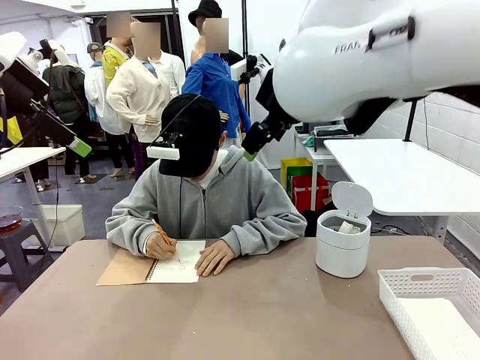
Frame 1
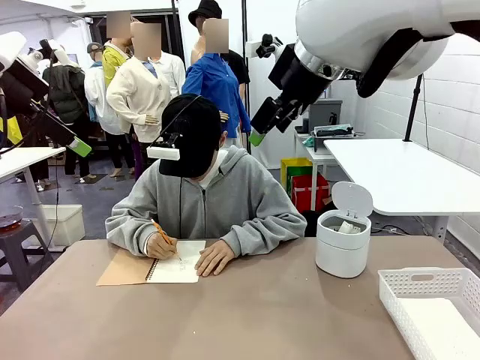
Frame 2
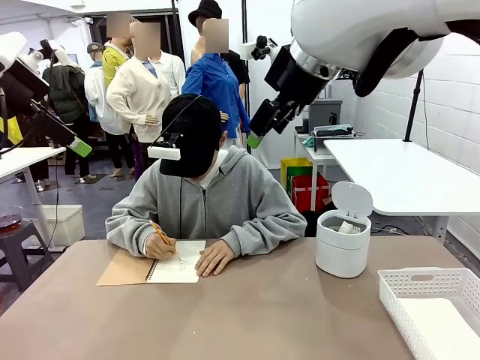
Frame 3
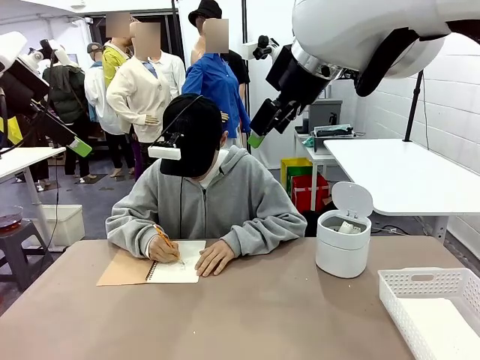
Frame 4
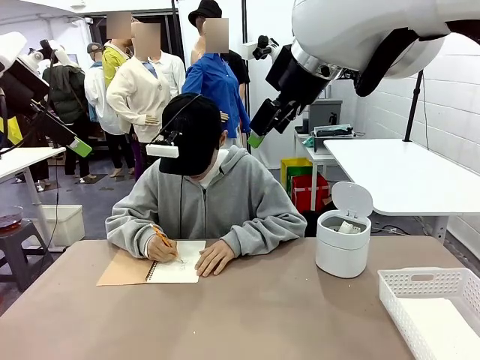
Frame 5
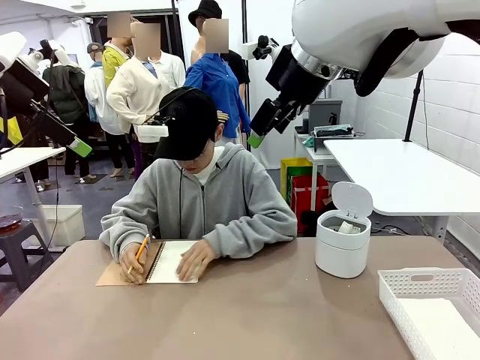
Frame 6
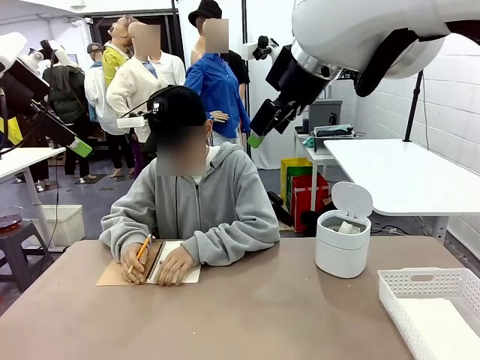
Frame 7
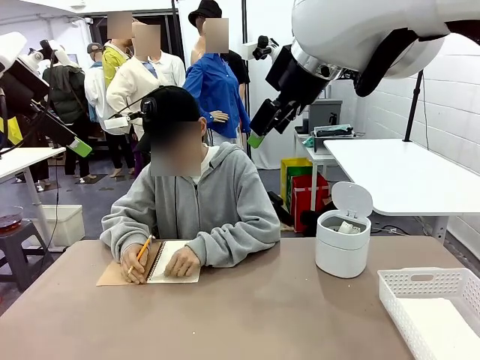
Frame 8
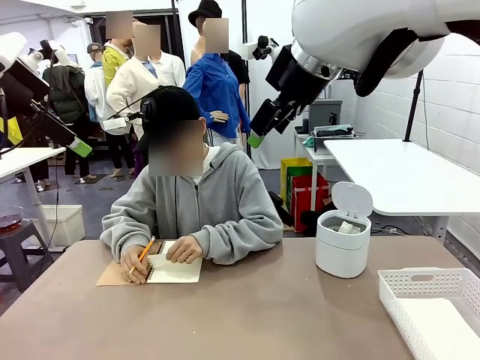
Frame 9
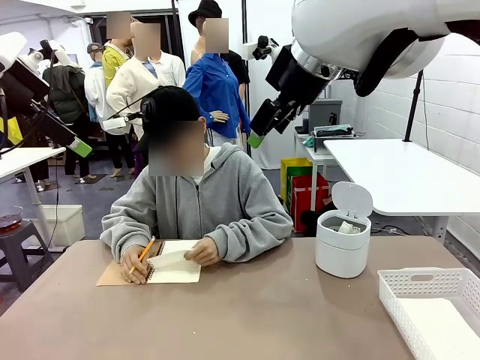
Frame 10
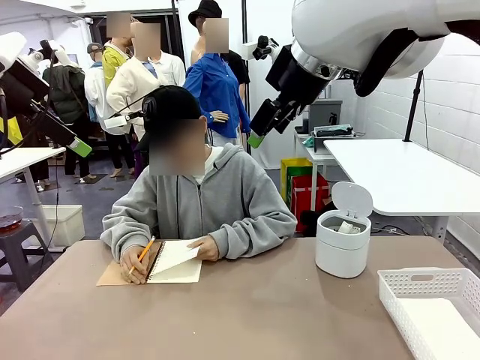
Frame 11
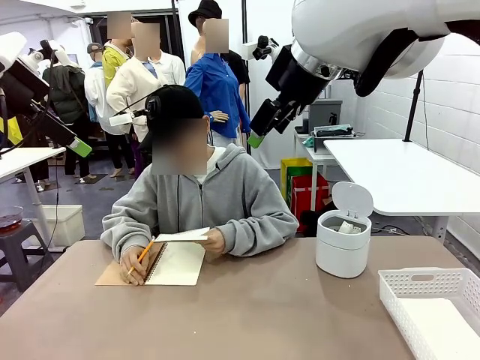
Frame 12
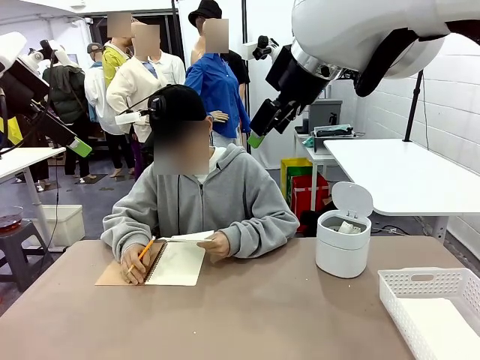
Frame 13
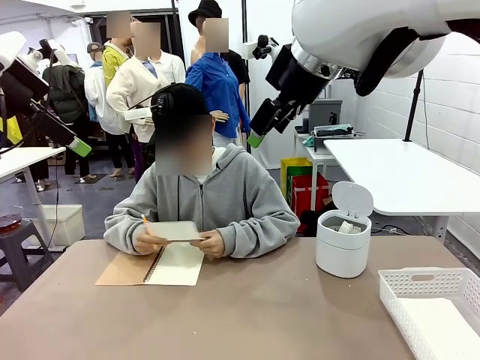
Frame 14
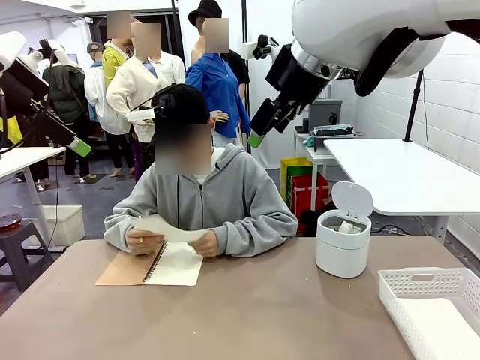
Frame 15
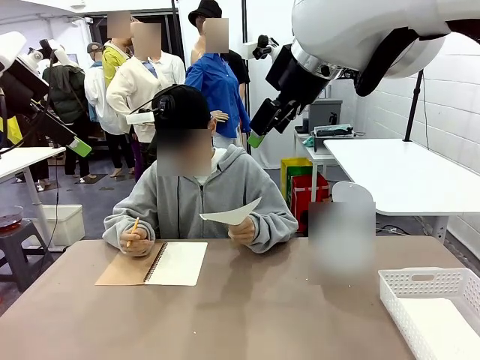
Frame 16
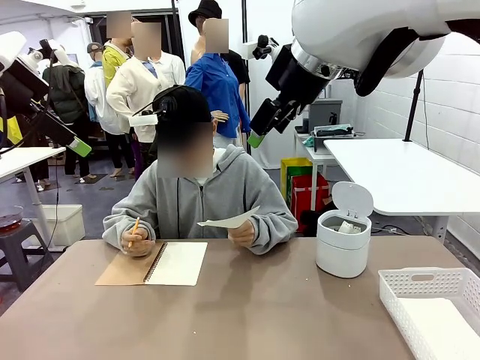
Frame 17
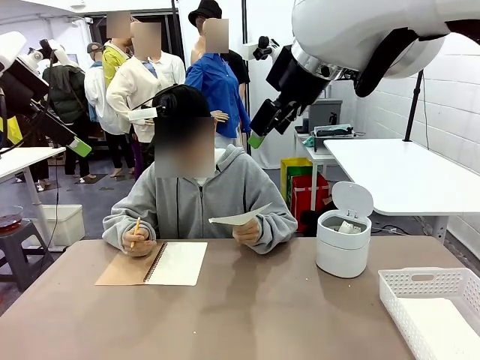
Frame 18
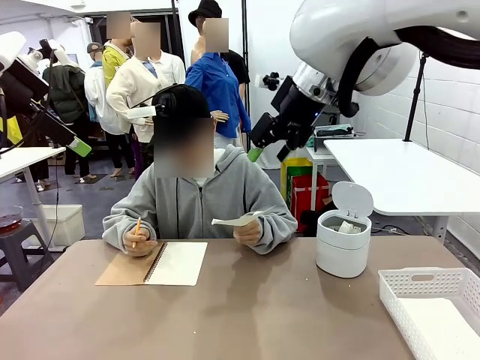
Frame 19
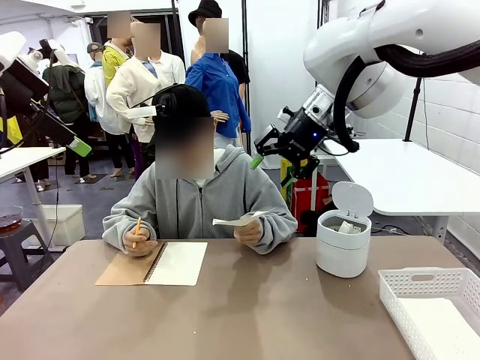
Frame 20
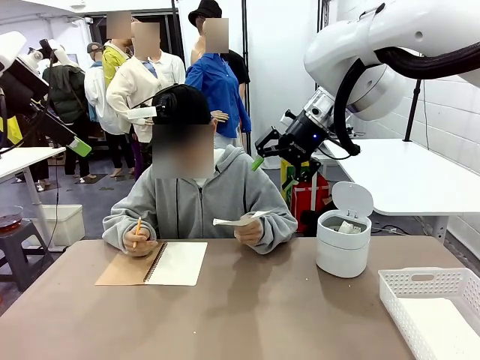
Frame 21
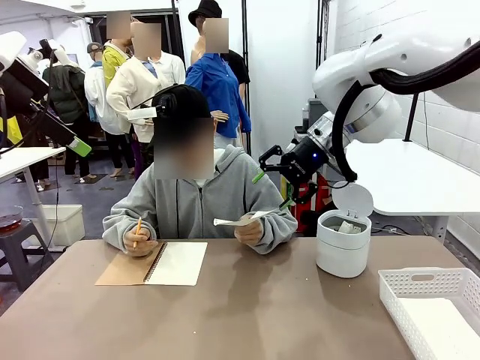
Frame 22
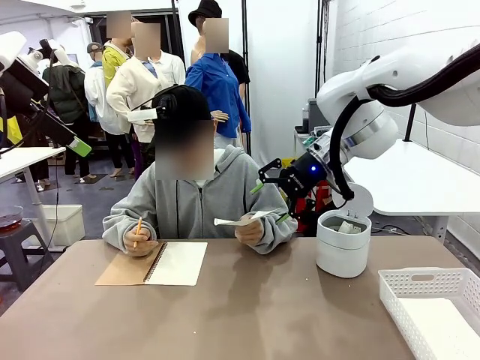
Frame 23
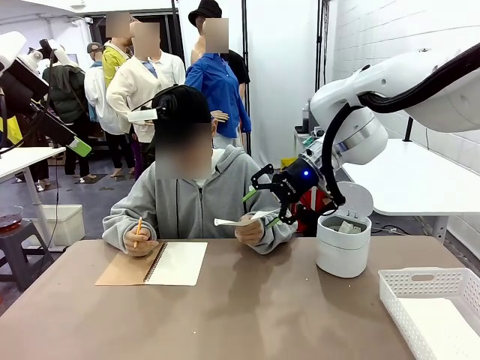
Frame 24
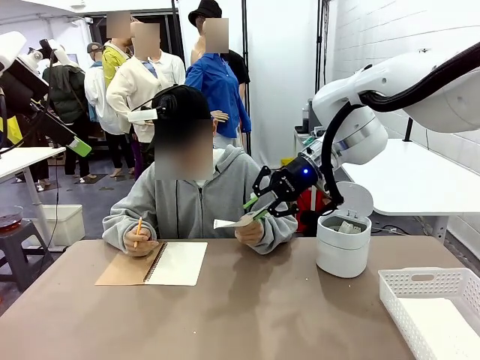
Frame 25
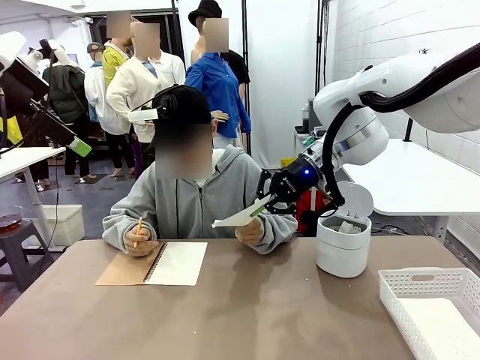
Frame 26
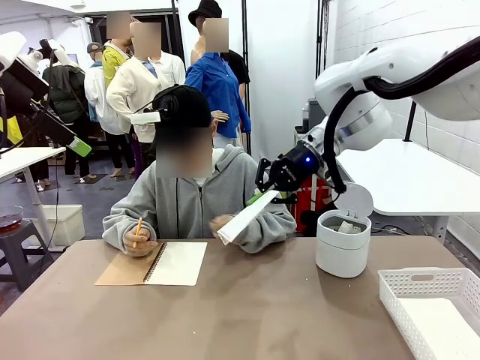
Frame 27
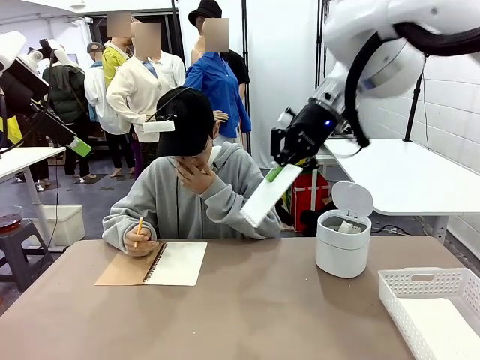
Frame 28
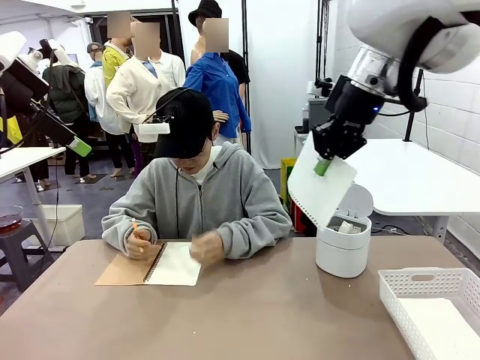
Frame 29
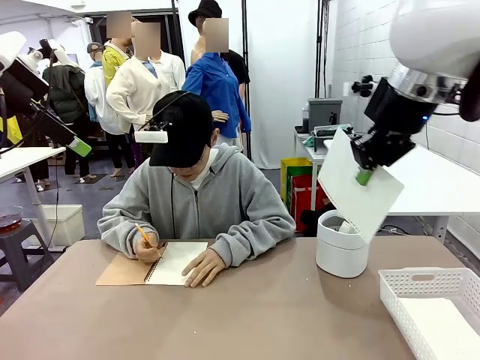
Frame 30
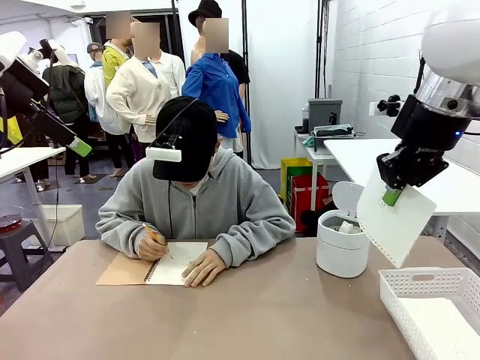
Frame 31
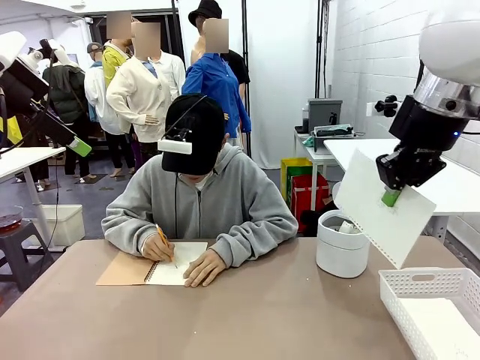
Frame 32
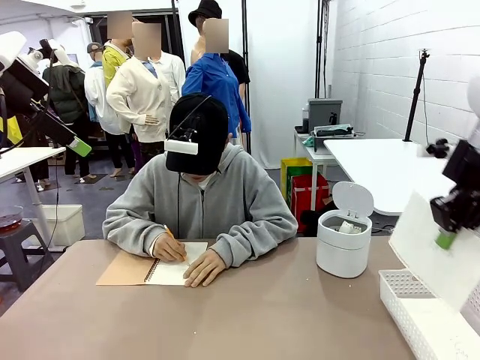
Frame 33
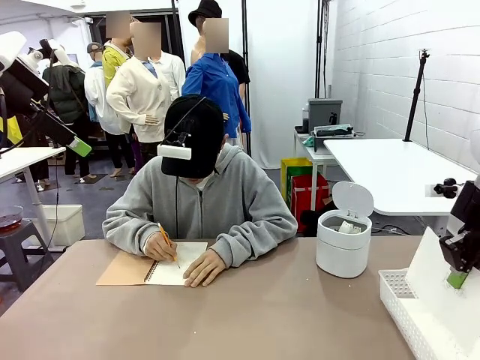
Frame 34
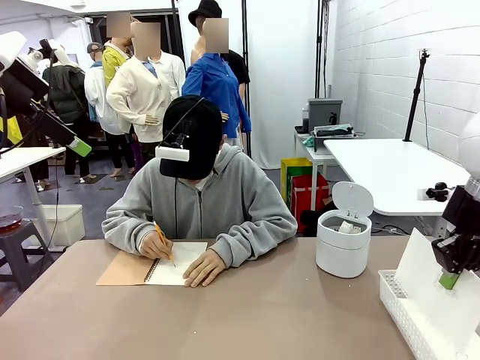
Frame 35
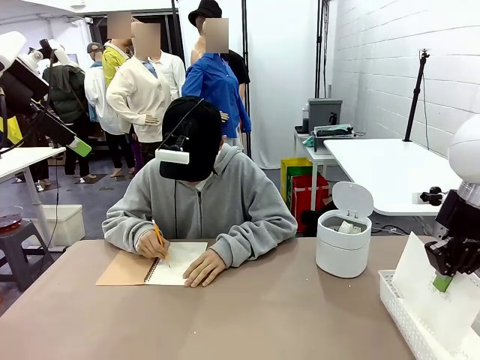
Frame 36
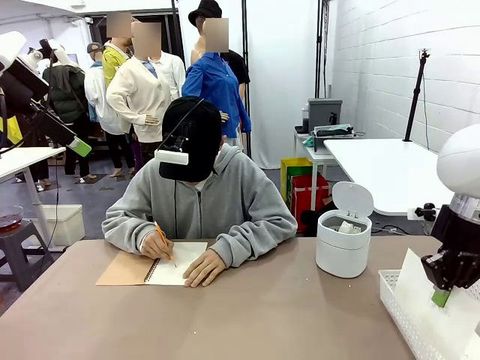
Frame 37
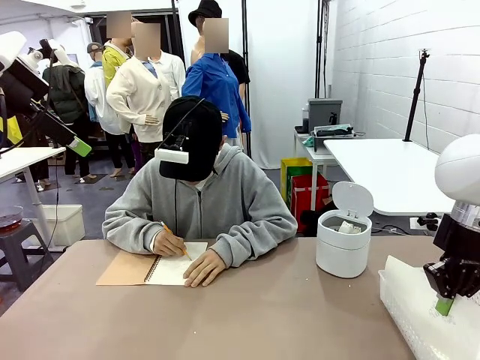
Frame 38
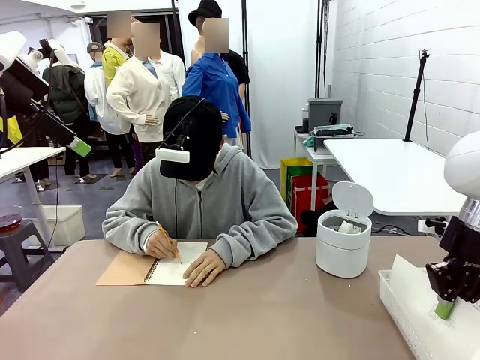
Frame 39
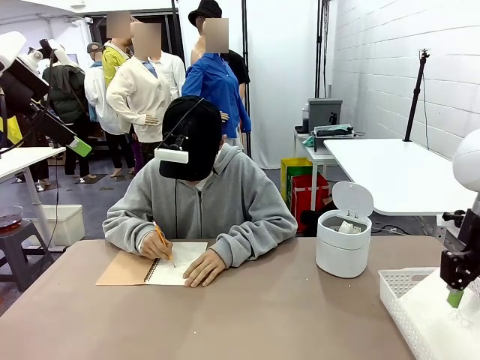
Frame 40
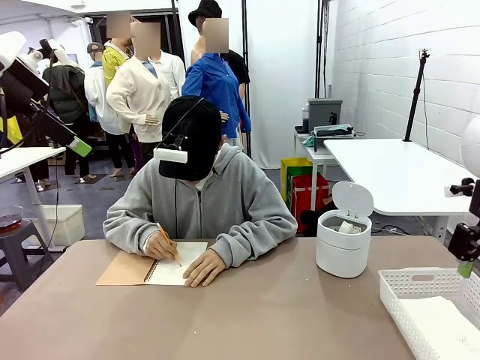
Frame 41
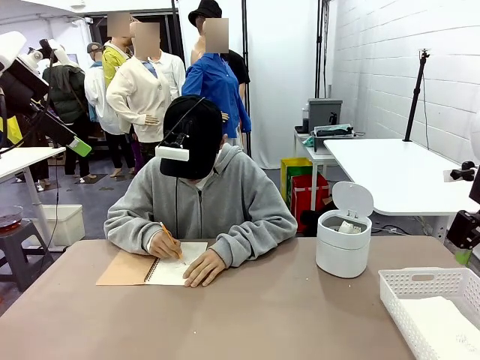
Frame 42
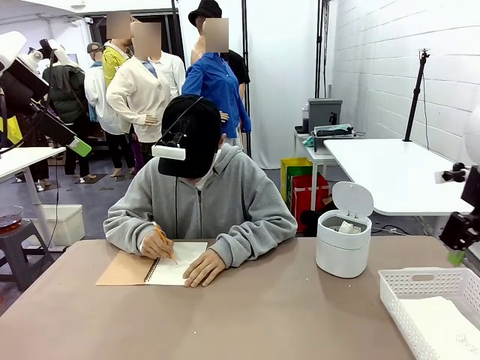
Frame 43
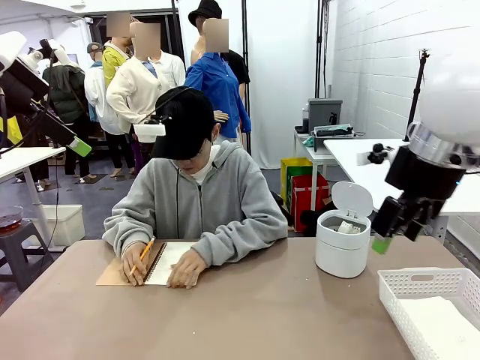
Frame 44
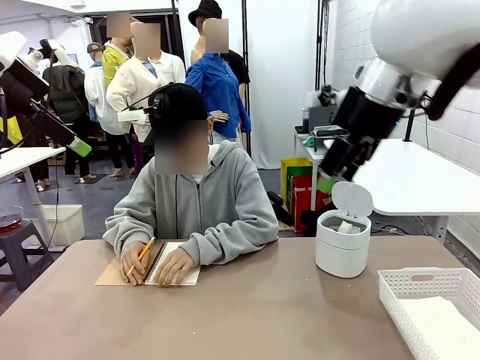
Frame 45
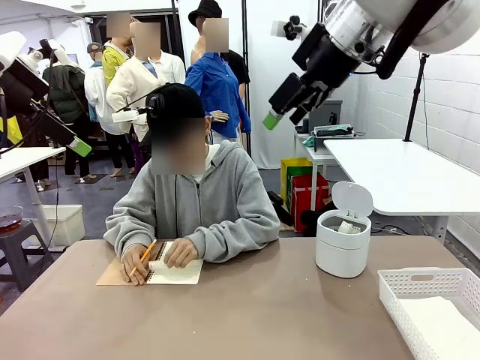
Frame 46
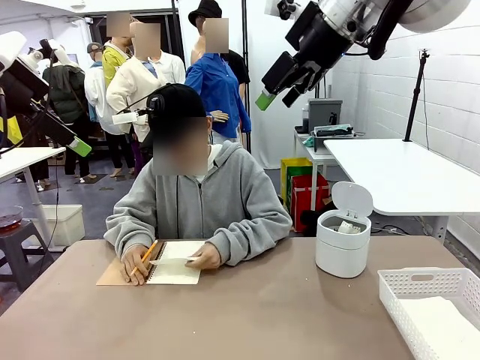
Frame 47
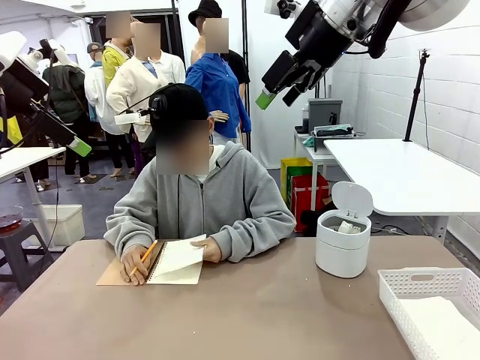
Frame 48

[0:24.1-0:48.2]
Task: Sort the paper based on its condition.
Robot: If a person hands you a paper, place it in the Organizing basket , and if it's crumpled, put it in the Trash can.
Person: Hand the torn page to the robot or crumple it and throw it to the center of the table. Tear out a page from the spiral notebook.
